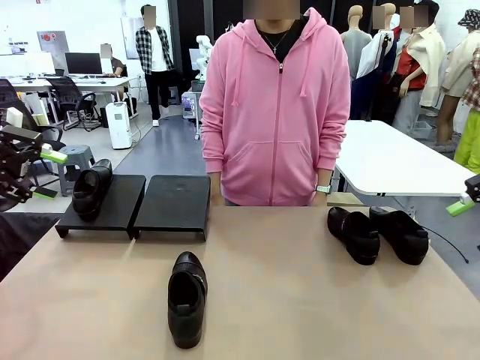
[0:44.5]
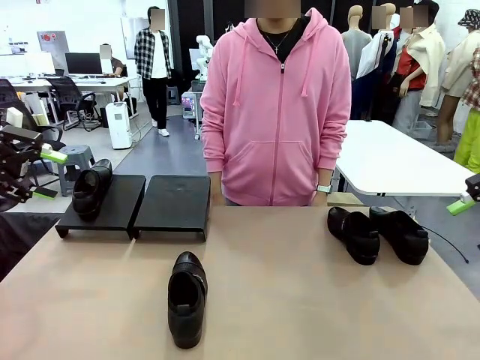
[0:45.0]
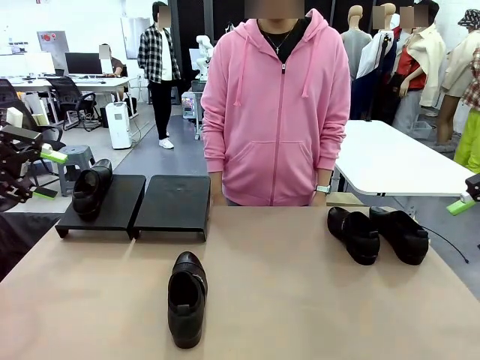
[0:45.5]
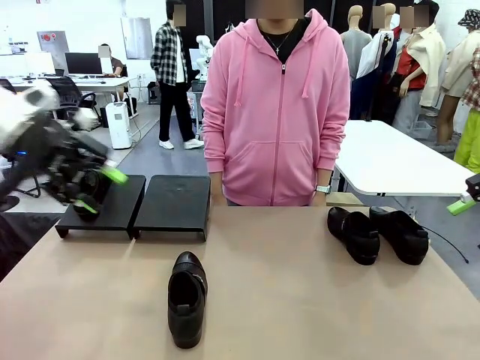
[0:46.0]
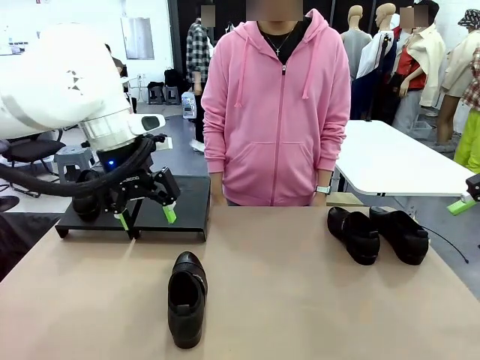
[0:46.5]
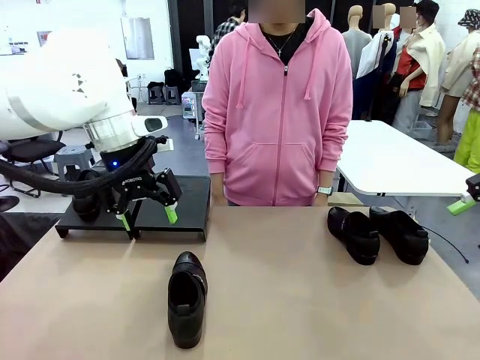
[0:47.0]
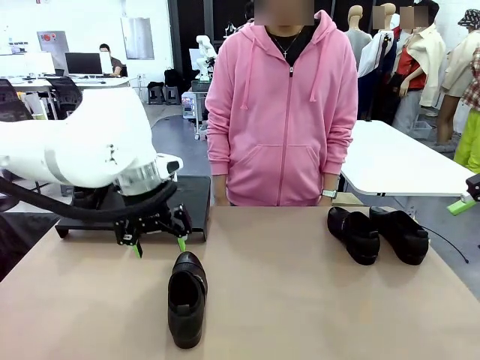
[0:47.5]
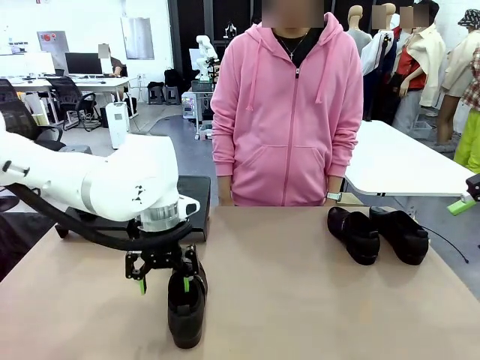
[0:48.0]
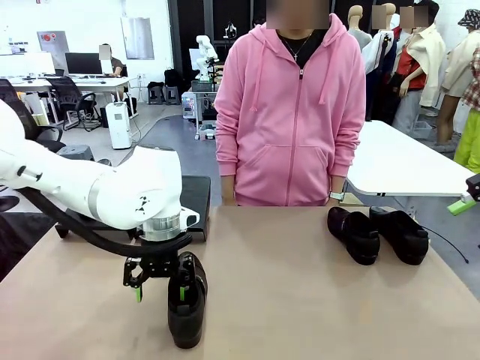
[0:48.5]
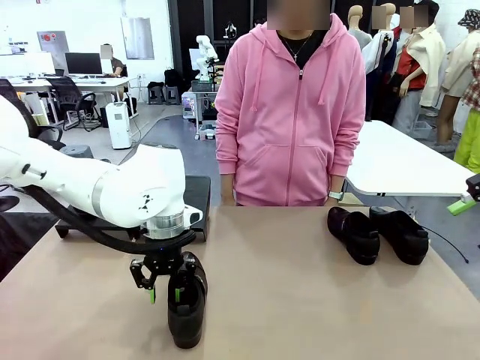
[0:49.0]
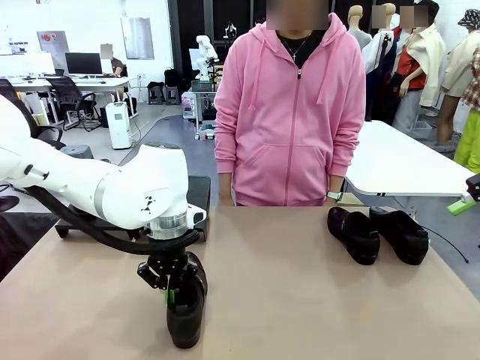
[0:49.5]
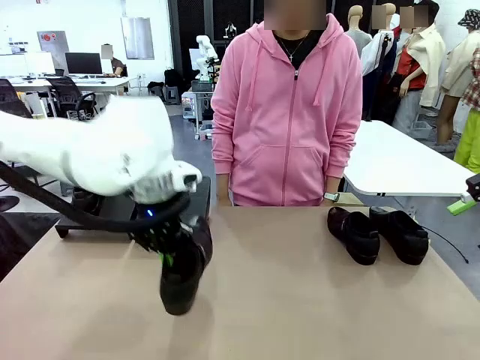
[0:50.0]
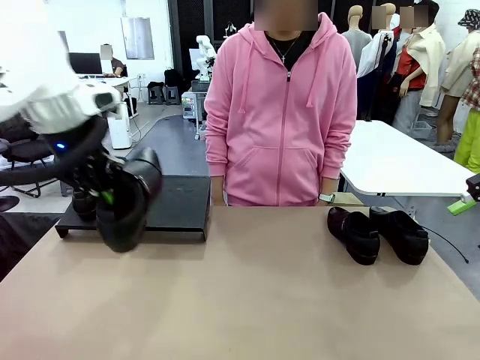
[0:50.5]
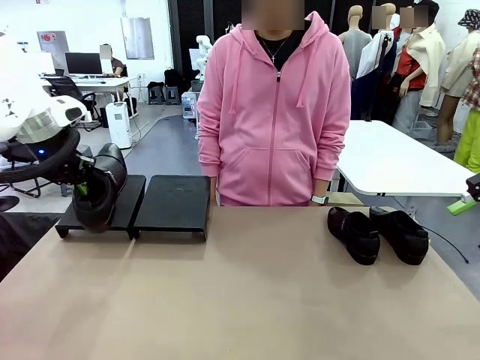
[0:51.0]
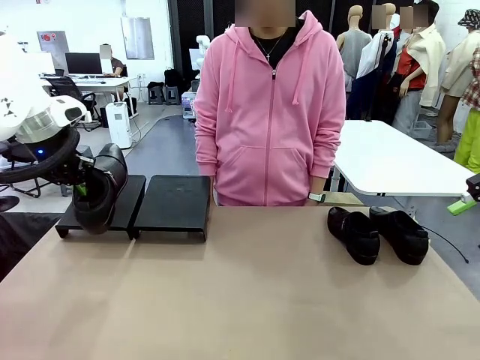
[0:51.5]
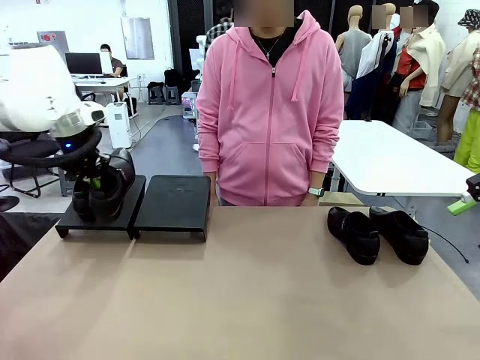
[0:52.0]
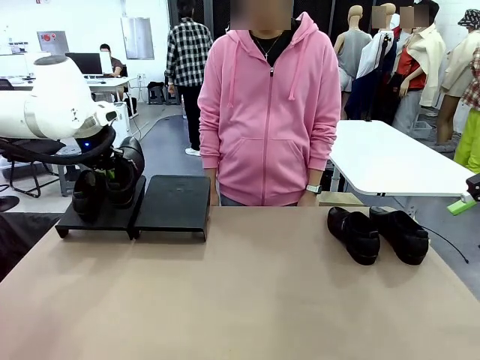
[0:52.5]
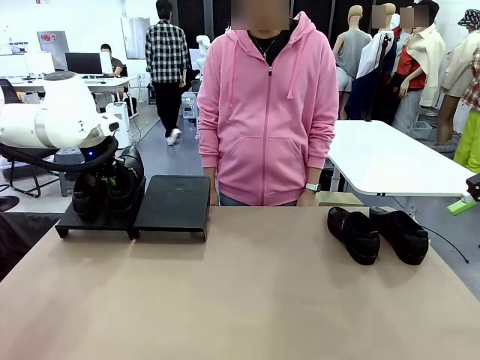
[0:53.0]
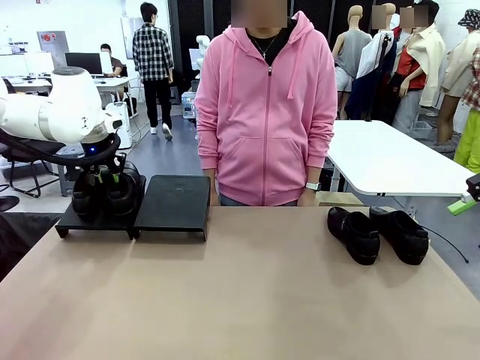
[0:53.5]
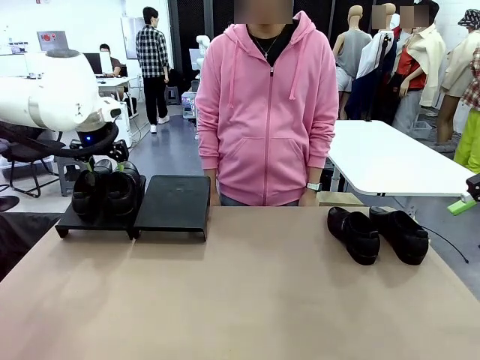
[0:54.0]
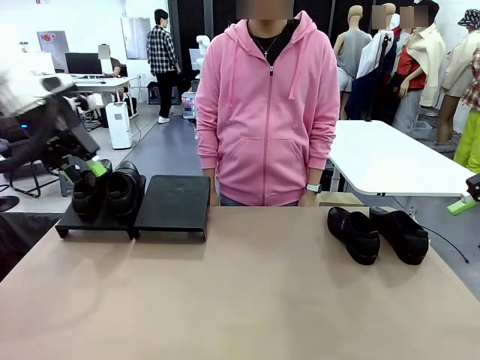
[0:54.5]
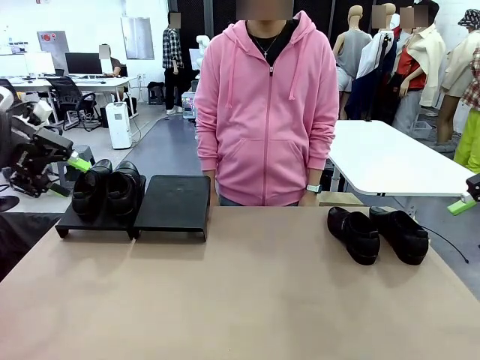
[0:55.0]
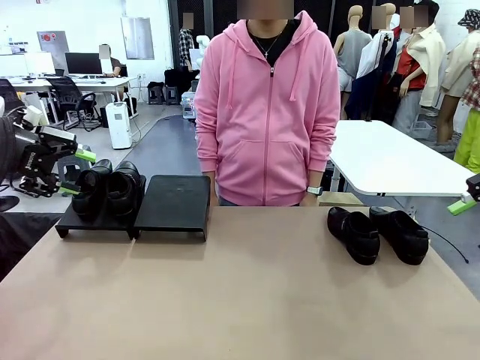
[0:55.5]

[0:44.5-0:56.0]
Task: Organize the shoes by placing them on the stand.
Robot: Place the Shoe from the middle of the table onto the Shoes Stand.

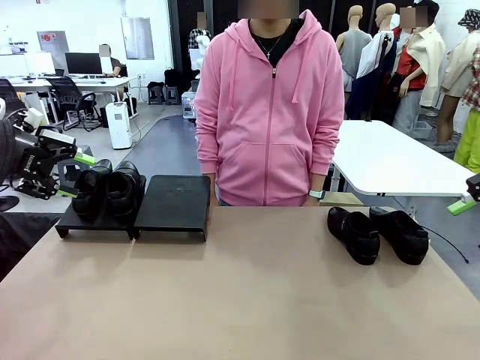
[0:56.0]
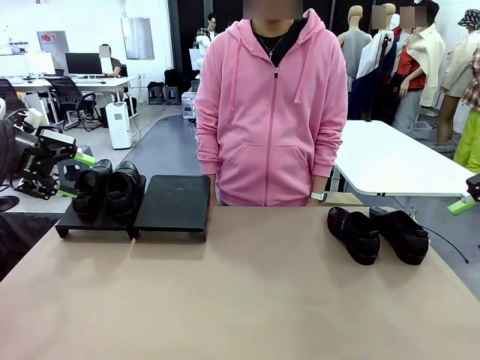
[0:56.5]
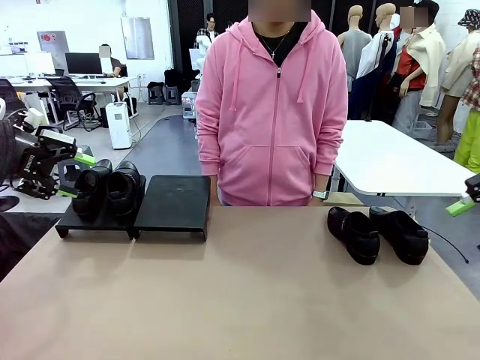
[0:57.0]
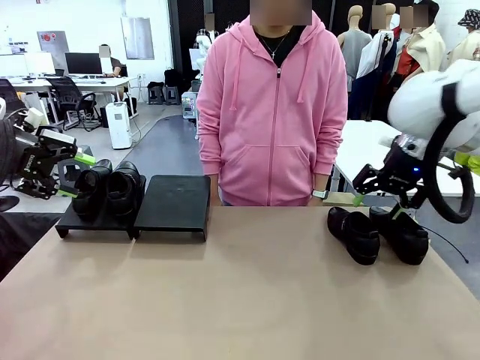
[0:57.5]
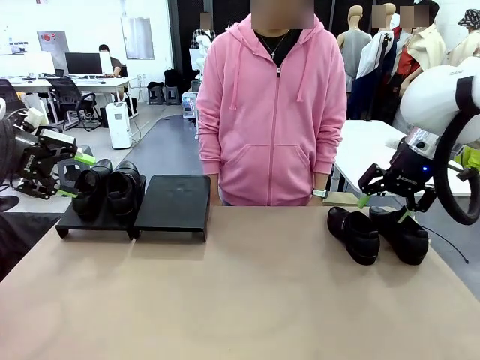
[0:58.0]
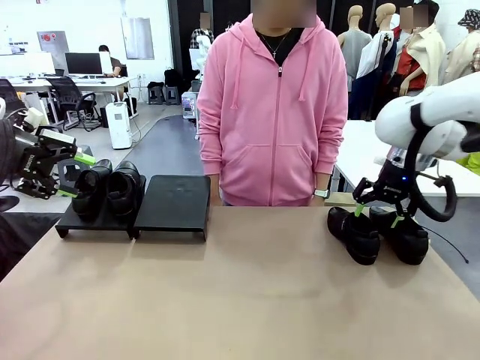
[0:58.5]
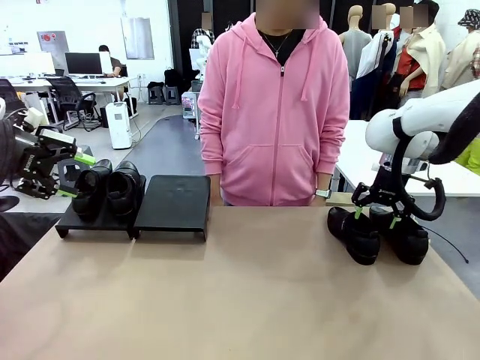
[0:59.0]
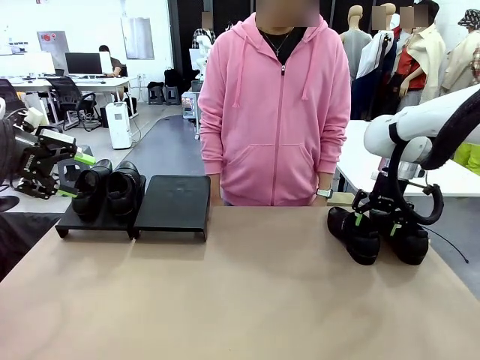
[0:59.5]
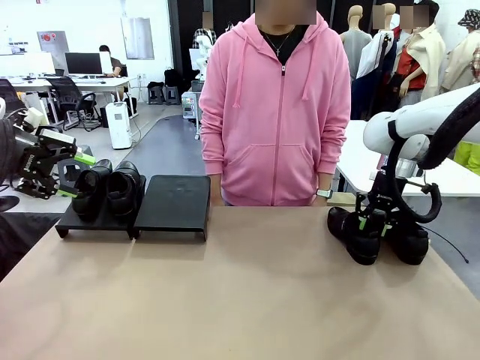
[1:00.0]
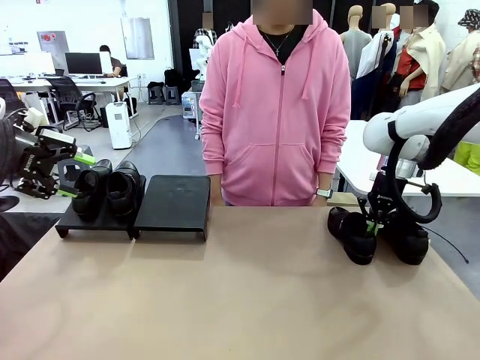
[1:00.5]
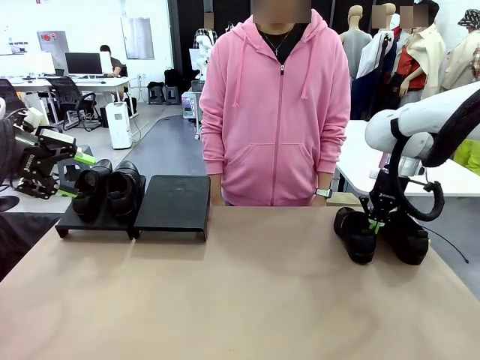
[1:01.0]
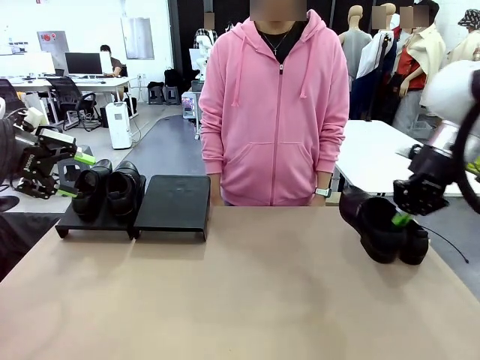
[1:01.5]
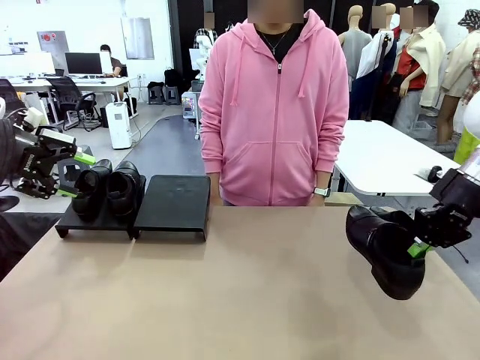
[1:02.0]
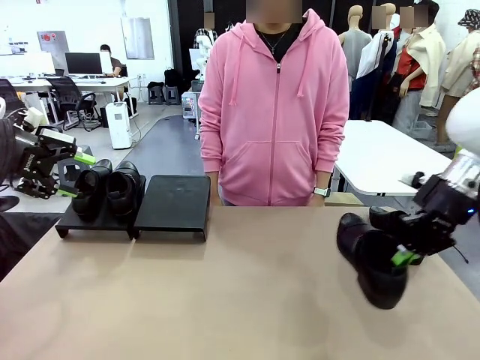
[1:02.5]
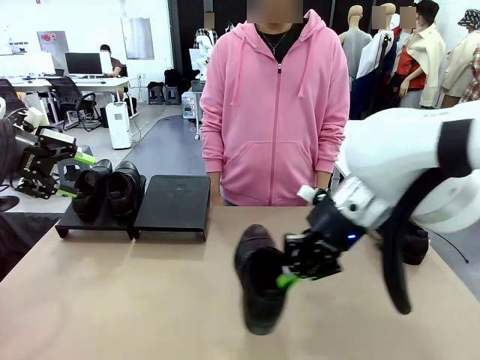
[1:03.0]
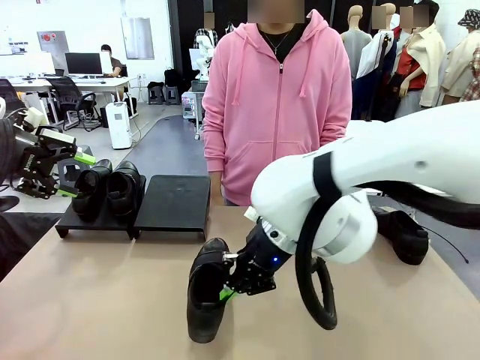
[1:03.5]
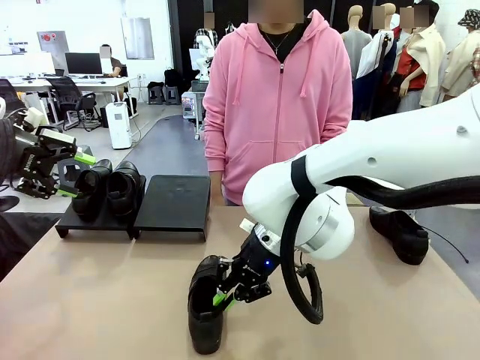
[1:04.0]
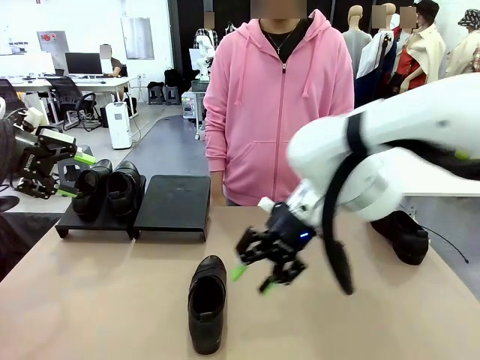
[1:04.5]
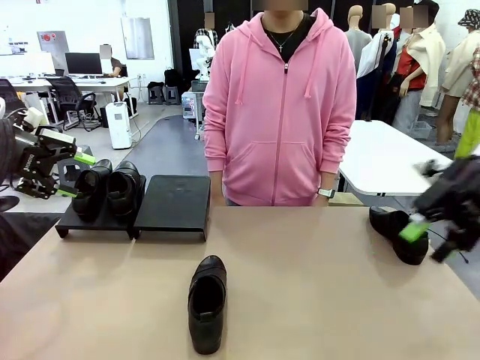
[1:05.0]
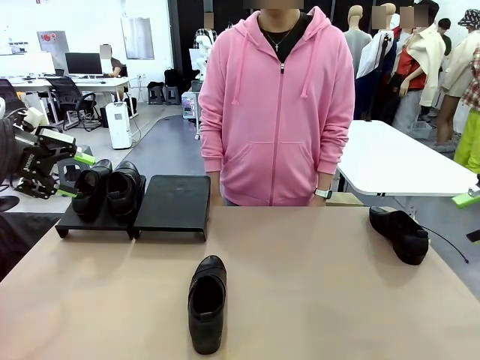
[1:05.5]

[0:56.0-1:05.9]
Robot: Pick up one Shoe and place it in the middle of the table.

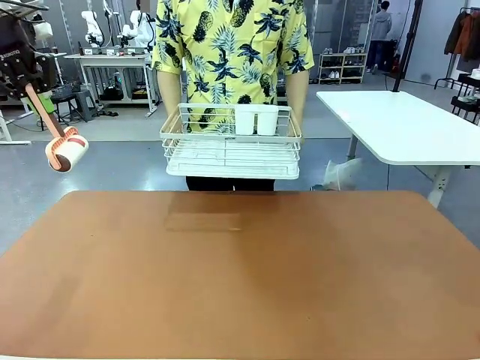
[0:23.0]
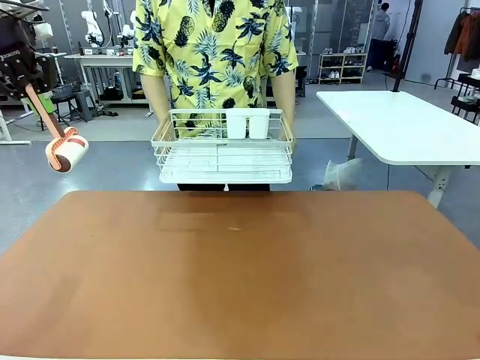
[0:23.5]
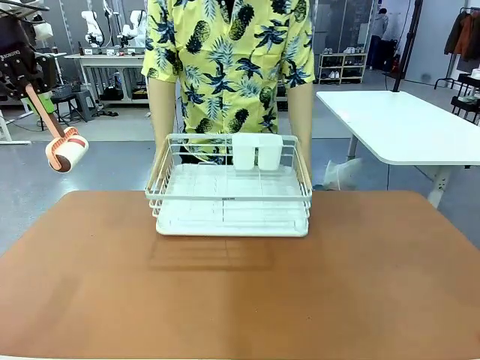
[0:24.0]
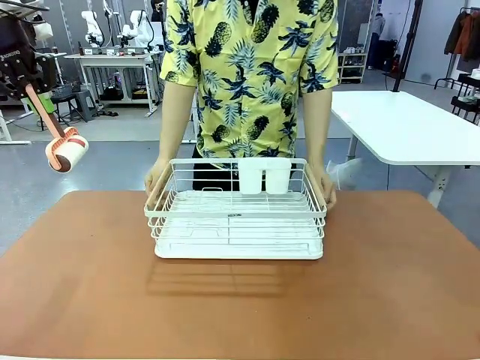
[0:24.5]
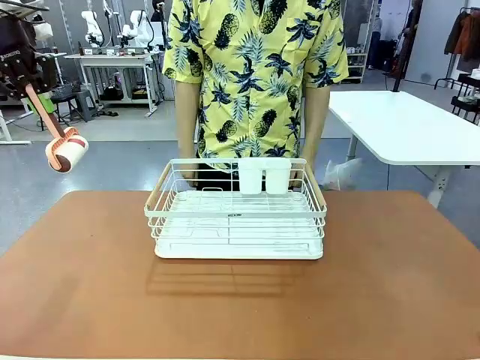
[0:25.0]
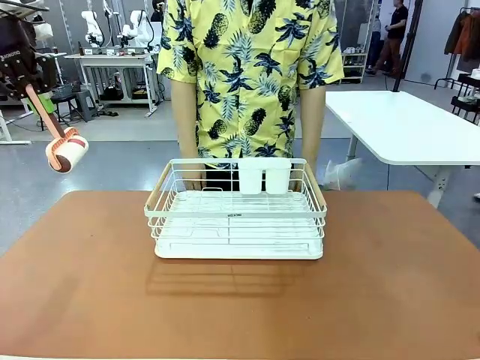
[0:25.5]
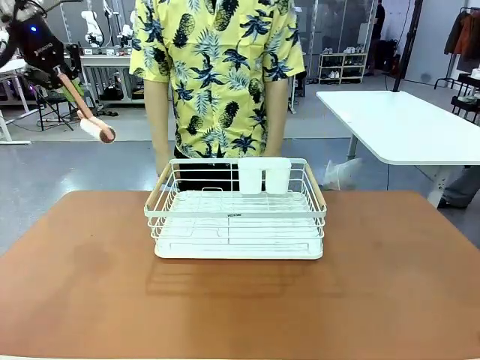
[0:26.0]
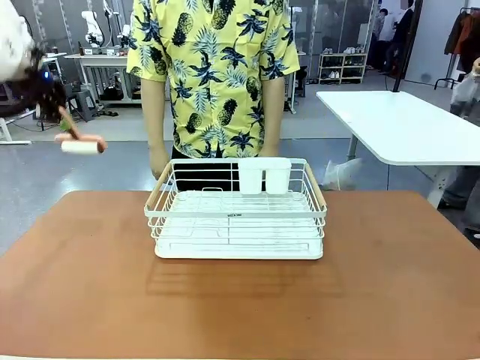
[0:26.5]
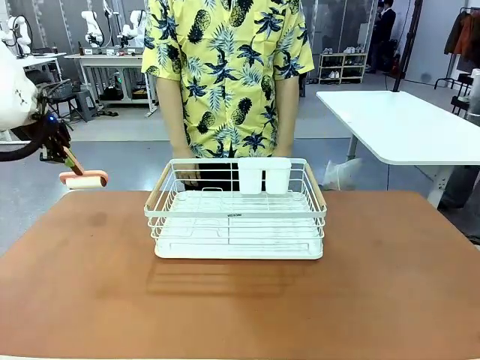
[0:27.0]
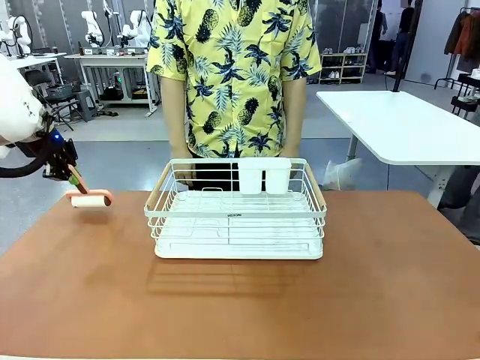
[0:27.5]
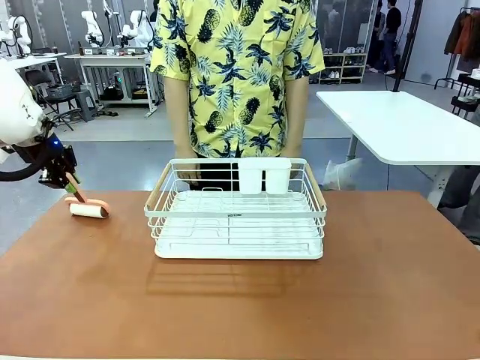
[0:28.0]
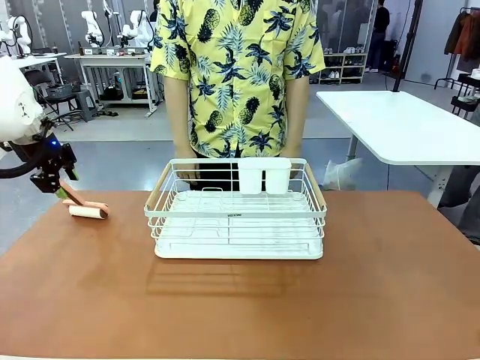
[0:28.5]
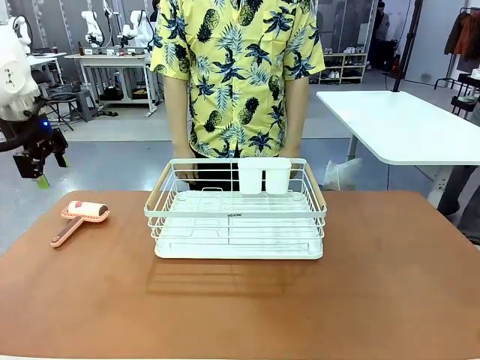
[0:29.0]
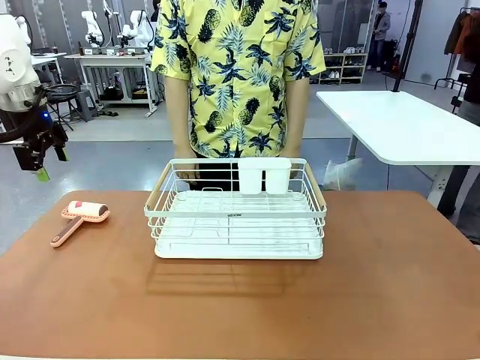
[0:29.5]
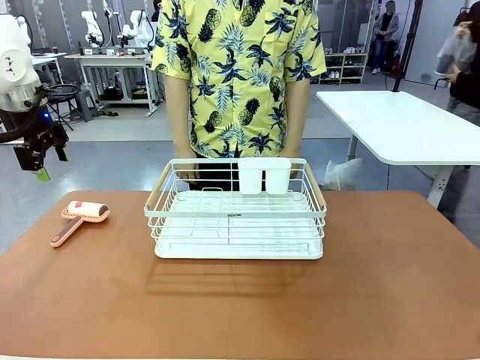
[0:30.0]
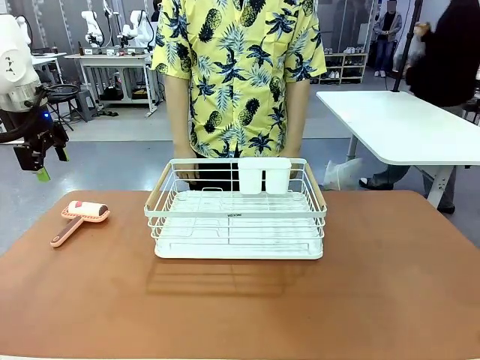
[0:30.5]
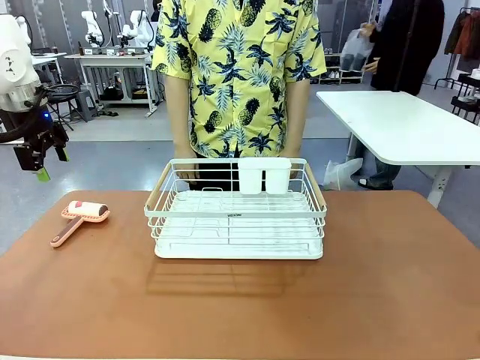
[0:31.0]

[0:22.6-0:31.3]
Task: Clean the table.
Robot: Place the Lint Roller down when the Dish drying rack is positioned in the middle of the table.
Person: Place the Dish drying rack down when the robot finishes cleaning.
